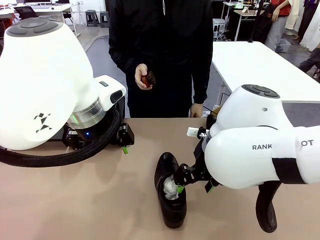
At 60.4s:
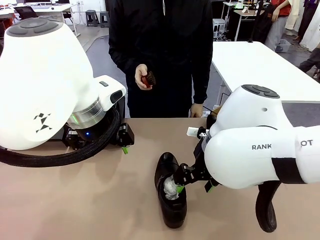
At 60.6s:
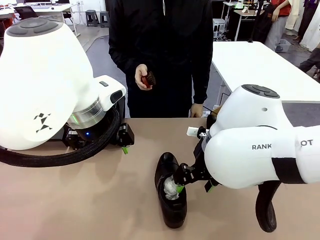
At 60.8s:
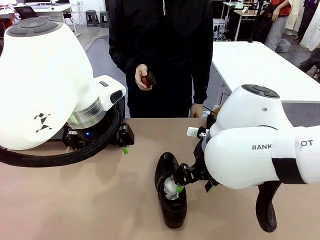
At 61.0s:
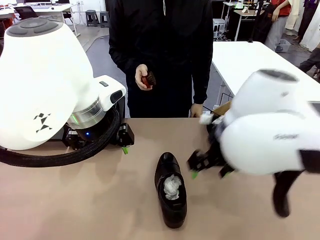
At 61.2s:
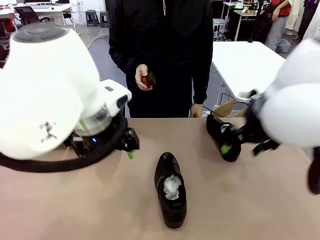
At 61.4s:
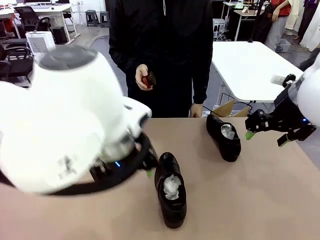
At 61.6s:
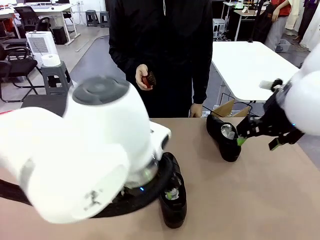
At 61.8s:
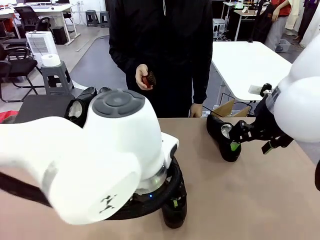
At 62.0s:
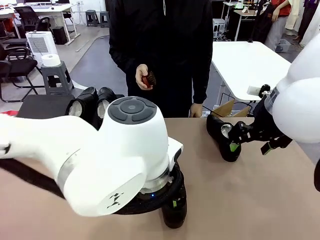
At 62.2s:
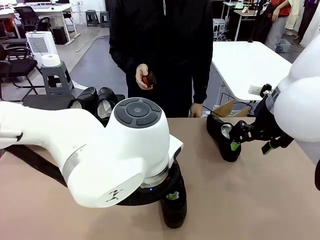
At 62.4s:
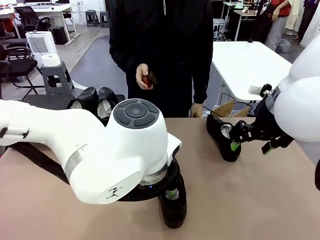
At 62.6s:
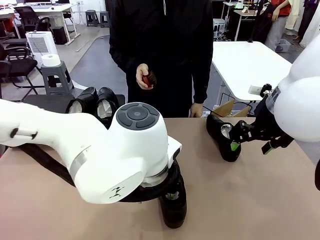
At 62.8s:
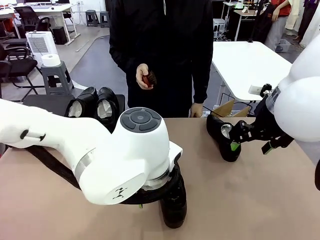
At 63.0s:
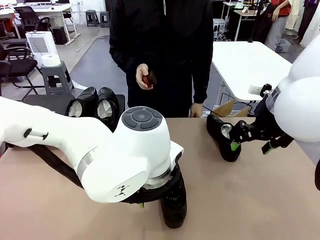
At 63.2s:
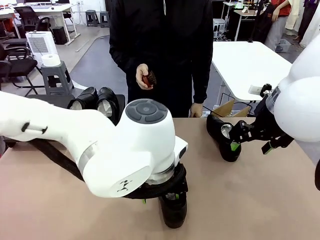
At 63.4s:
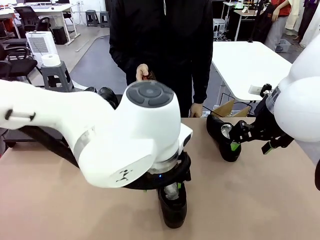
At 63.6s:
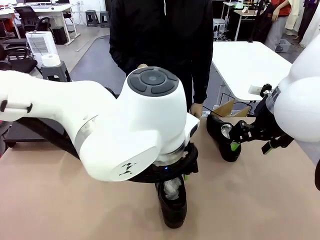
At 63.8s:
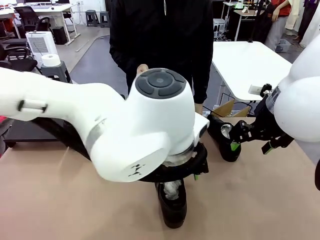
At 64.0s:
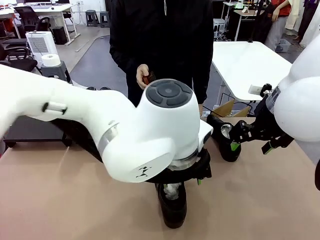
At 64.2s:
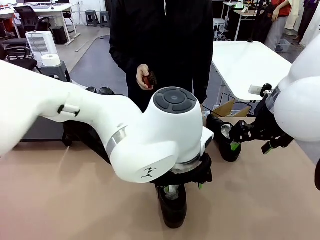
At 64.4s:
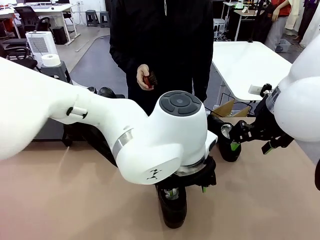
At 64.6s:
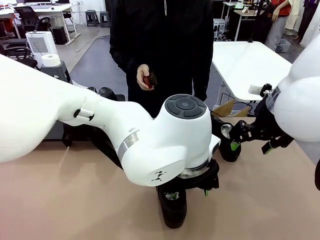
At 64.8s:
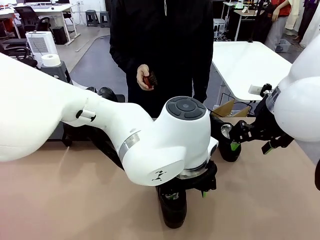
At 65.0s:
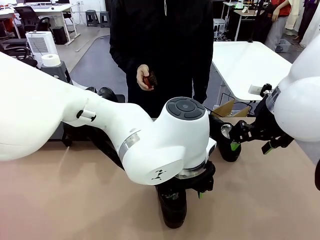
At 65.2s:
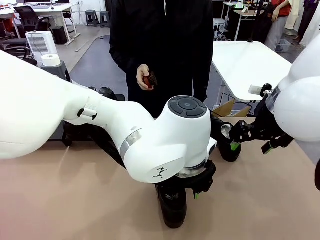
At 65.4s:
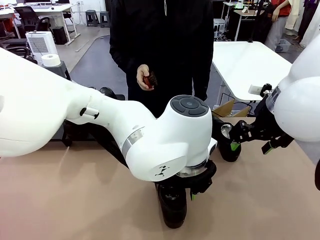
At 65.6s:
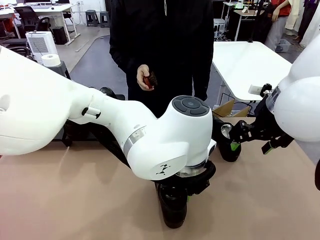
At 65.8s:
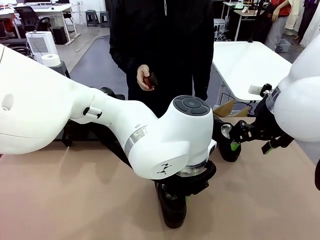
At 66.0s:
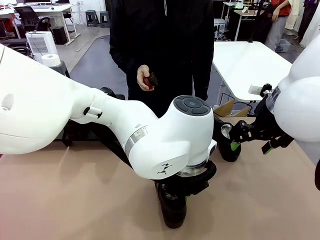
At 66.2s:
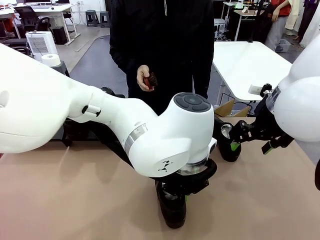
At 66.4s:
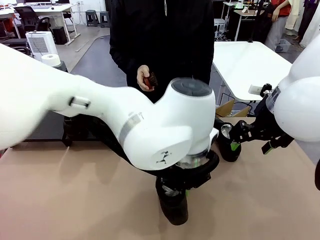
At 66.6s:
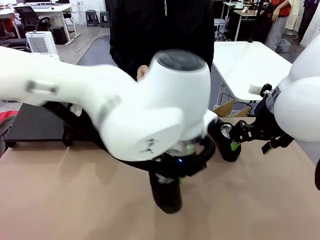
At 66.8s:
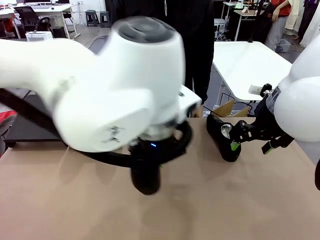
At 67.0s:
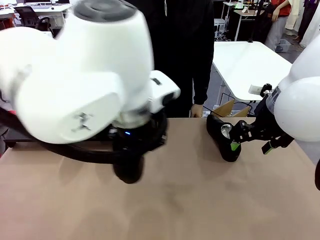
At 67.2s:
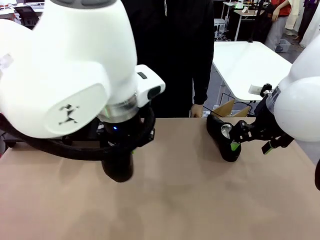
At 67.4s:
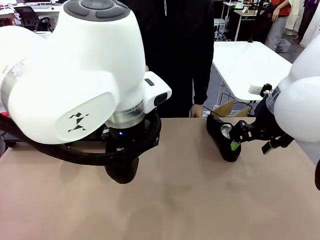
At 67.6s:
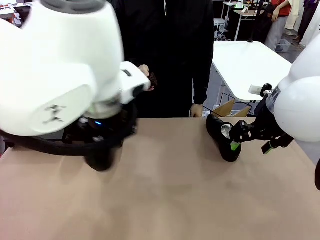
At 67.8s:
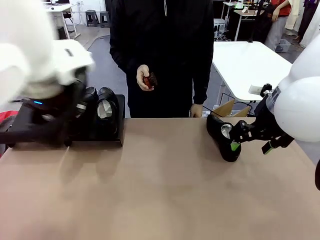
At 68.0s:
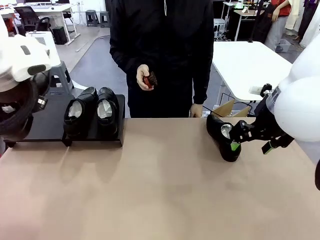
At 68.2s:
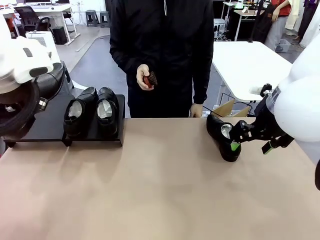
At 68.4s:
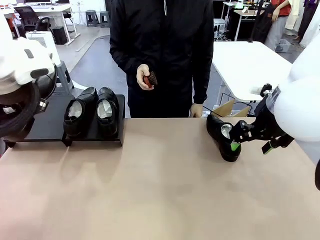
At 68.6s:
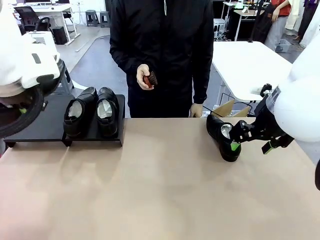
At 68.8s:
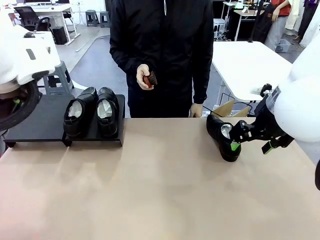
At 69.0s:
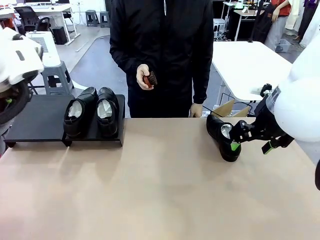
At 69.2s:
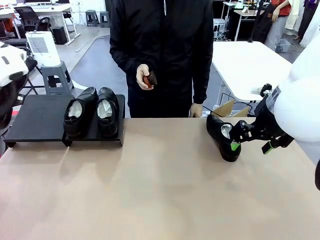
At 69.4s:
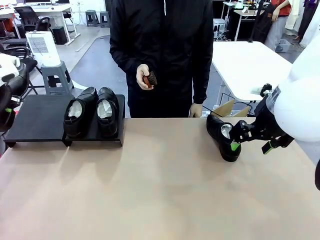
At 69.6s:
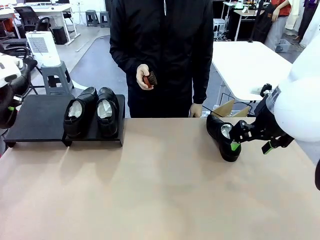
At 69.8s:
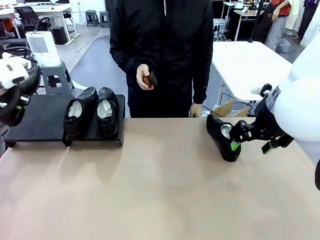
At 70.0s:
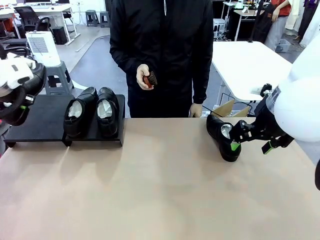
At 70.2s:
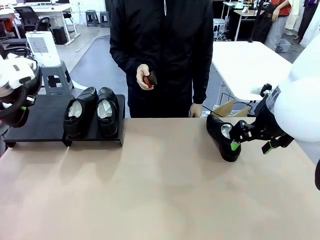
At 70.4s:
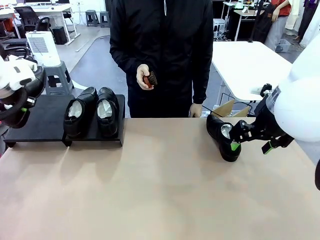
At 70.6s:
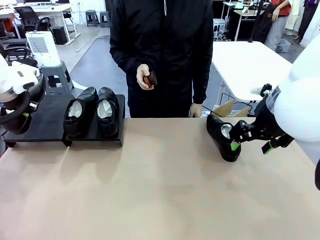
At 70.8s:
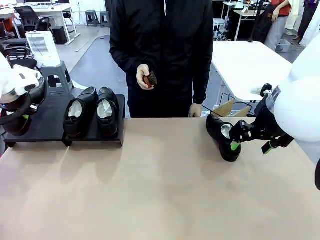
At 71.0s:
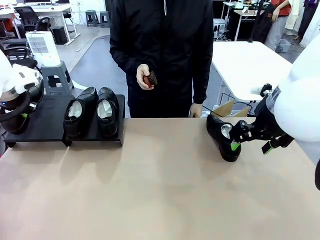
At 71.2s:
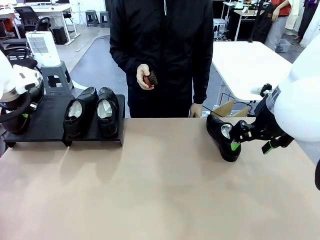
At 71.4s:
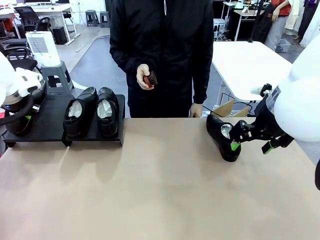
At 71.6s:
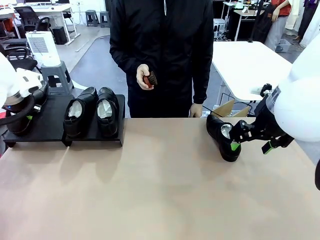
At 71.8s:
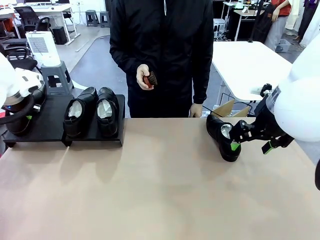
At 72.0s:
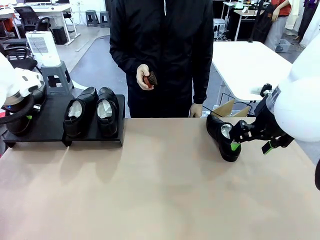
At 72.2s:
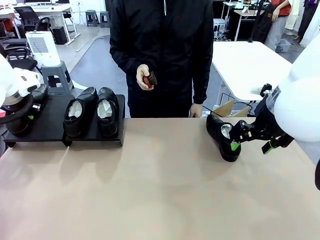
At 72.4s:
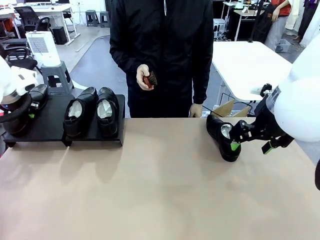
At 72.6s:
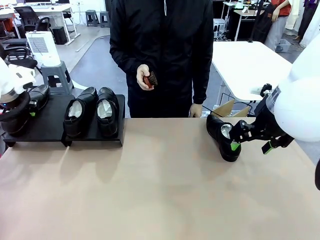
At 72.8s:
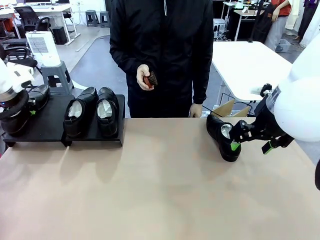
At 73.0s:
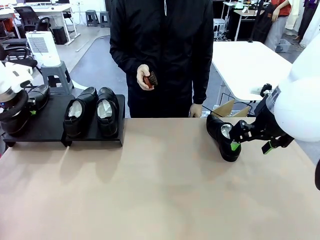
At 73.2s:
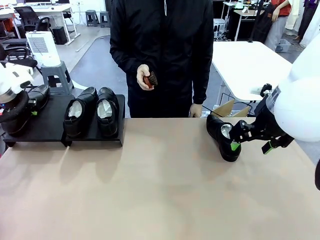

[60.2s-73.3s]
Task: Organize the shoes by placing them on the stand.
Robot: Place the Shoe from the middle of the table onto the Shoes Stand.

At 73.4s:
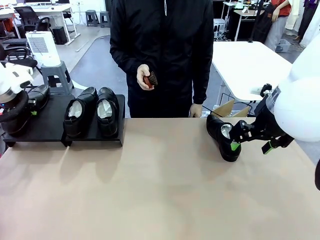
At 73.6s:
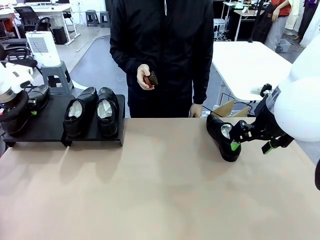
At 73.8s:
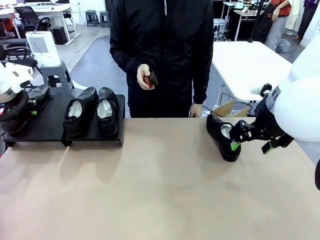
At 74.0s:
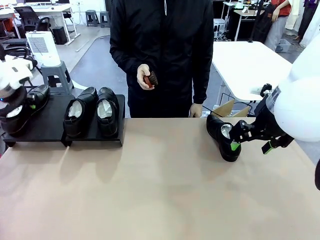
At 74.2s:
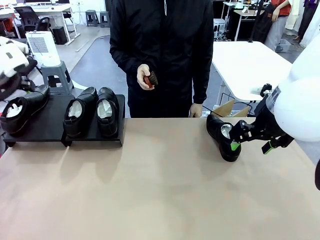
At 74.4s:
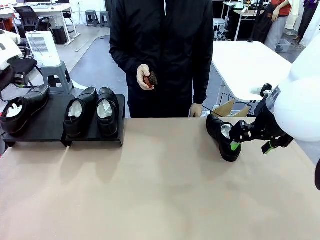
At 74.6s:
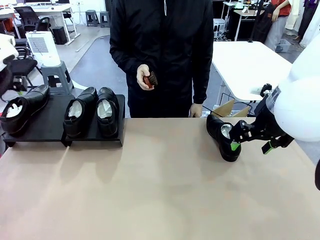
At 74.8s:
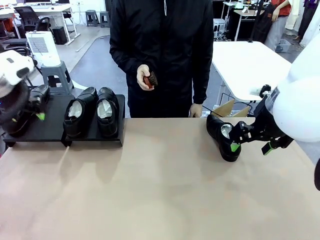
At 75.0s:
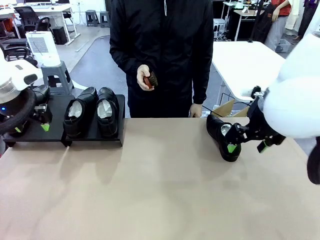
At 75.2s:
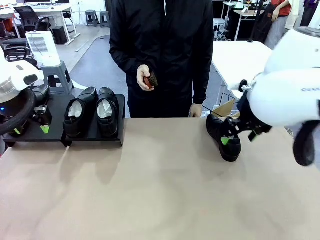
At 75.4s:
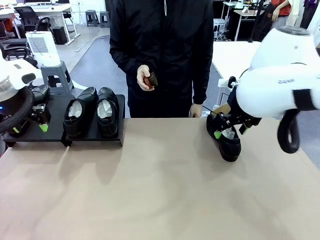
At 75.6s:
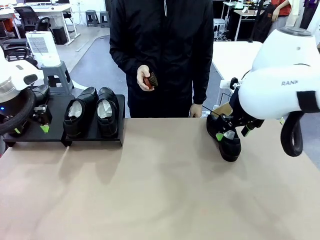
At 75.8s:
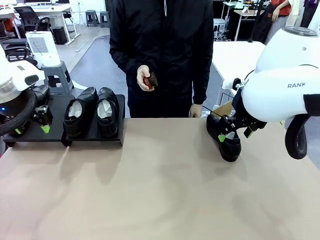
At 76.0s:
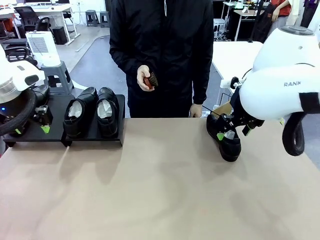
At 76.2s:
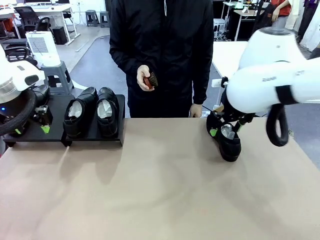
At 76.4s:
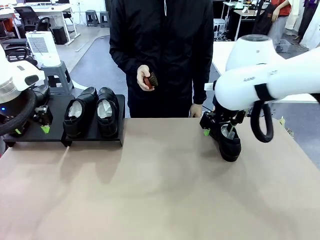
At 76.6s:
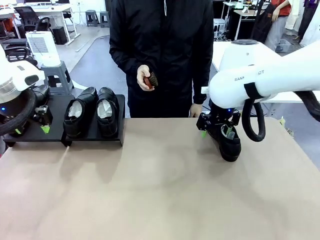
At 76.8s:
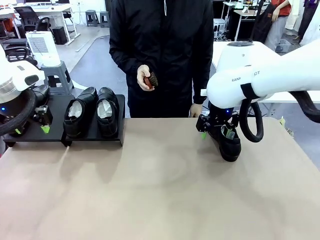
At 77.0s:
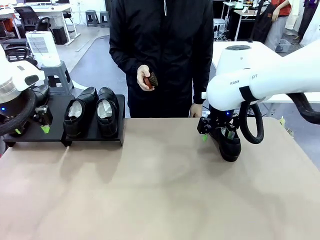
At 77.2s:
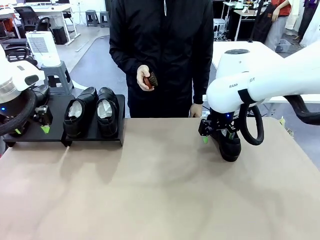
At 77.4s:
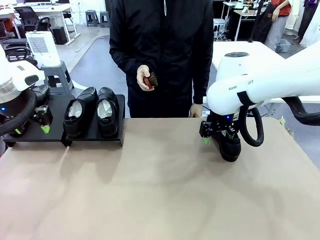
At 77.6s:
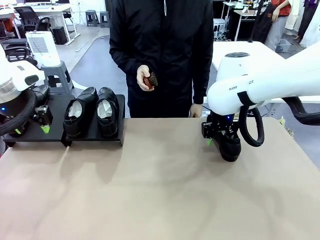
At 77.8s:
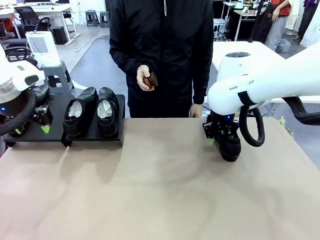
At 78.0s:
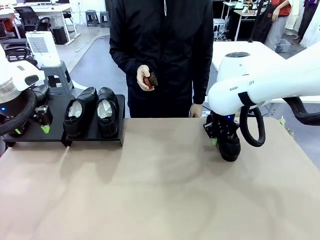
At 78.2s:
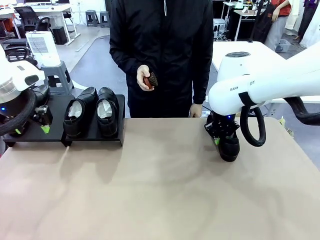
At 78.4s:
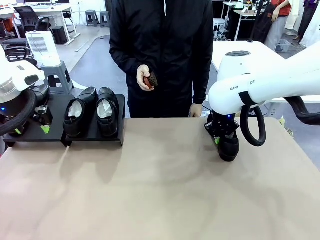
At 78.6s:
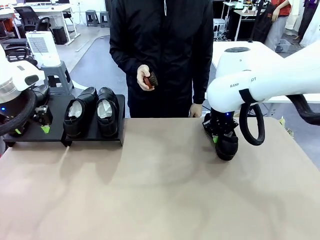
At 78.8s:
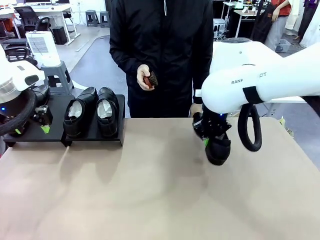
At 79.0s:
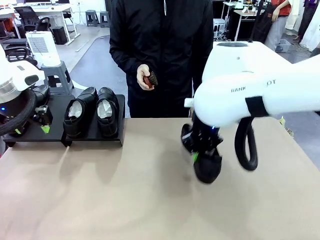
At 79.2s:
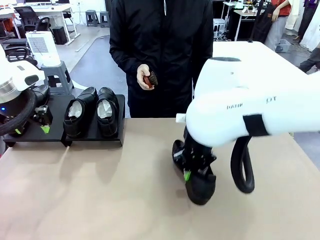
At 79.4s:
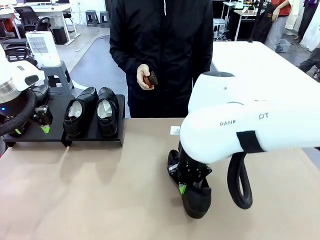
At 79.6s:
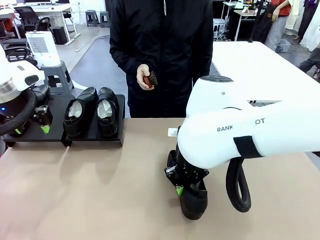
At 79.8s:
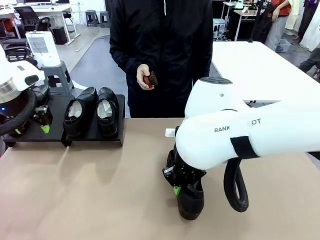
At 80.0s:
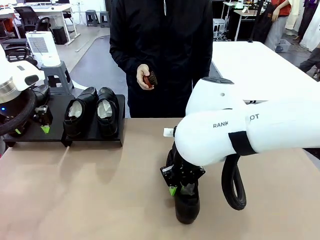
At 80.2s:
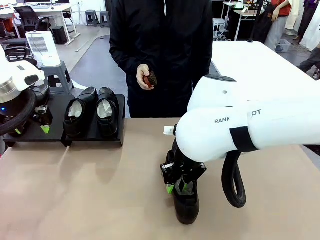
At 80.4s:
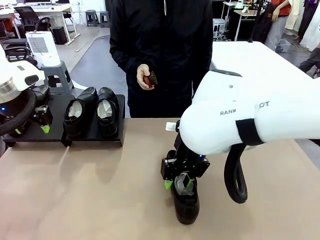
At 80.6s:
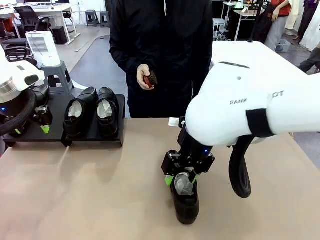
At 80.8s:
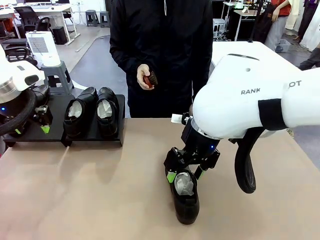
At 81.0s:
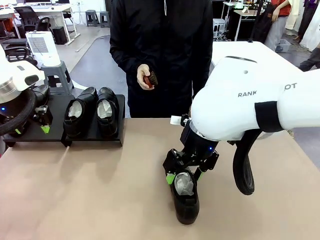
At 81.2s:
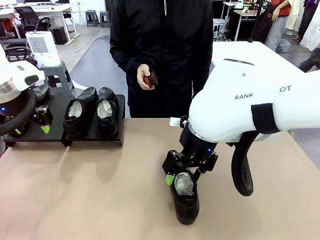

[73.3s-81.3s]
Robot: Pick up one Shoe and place it in the middle of the table.
